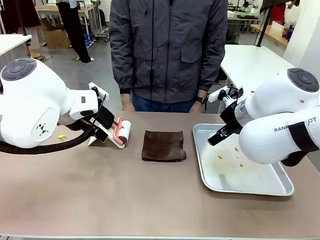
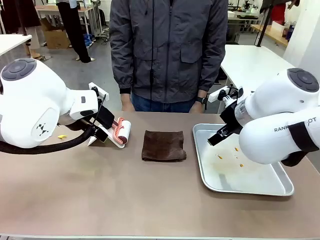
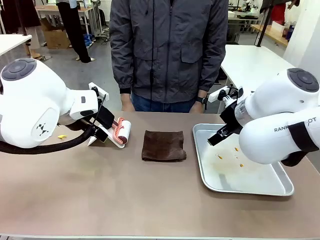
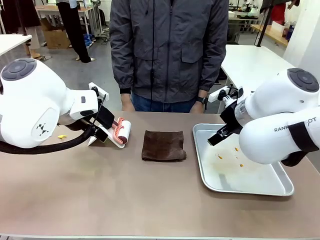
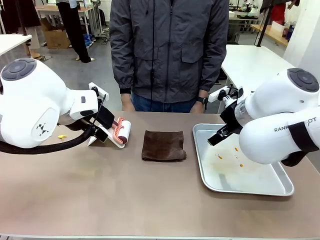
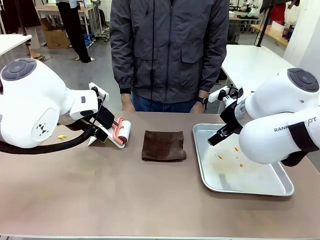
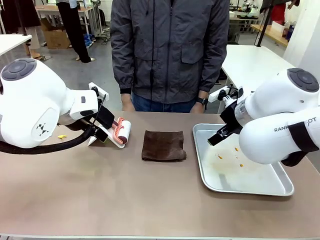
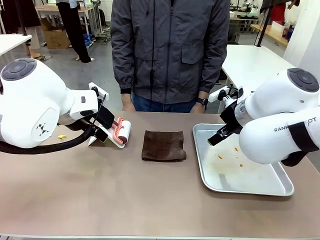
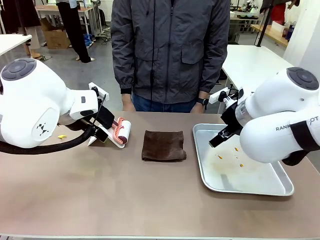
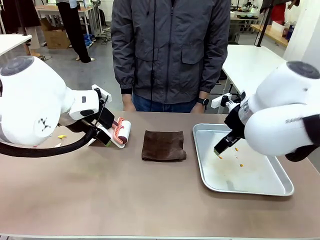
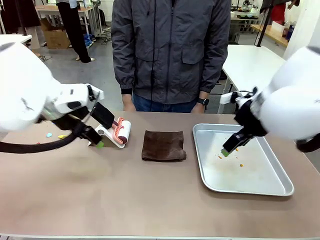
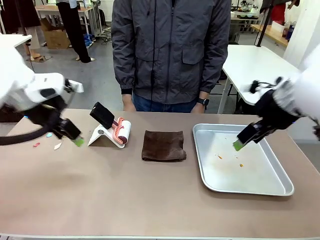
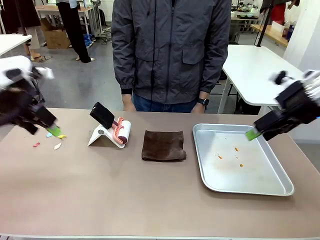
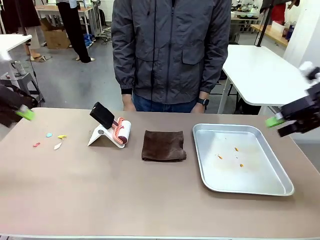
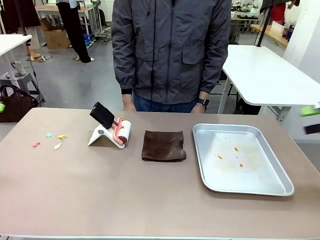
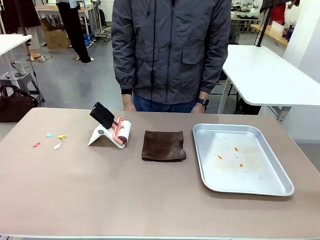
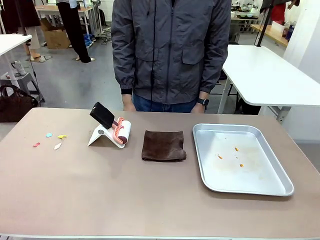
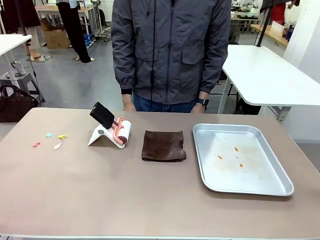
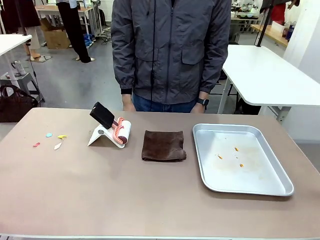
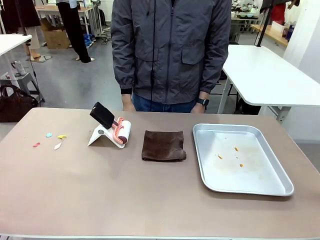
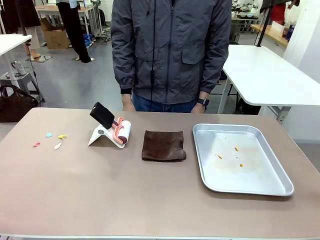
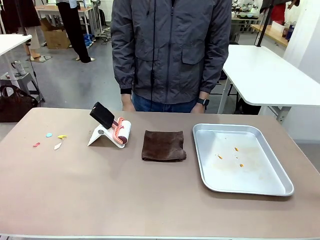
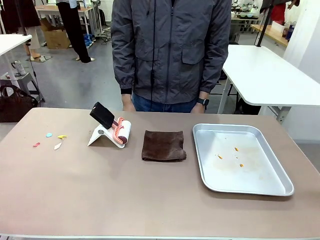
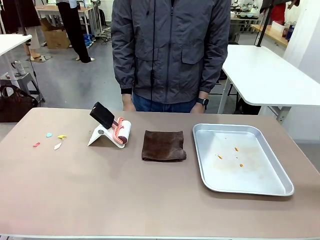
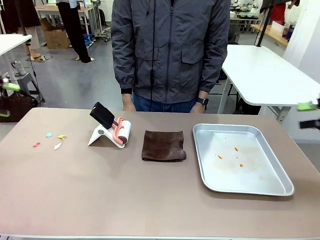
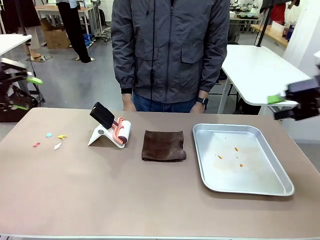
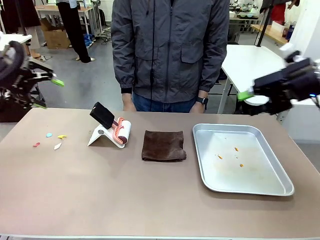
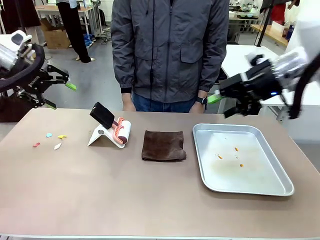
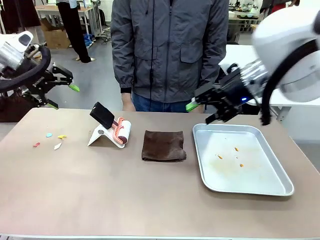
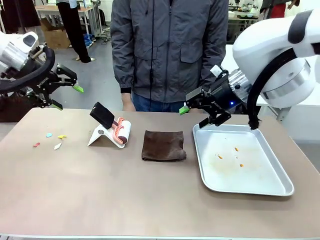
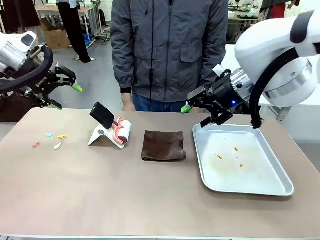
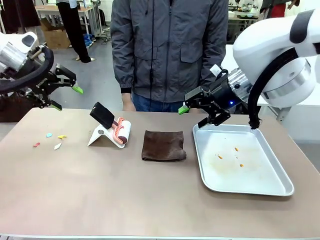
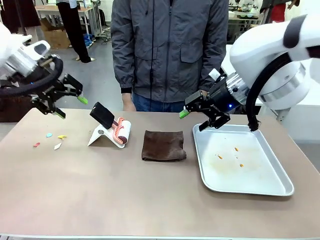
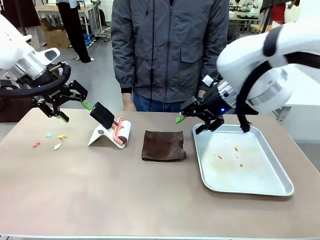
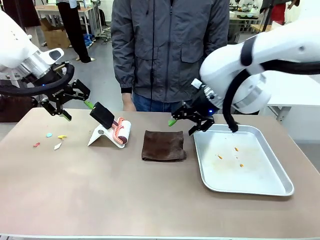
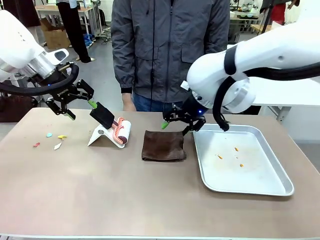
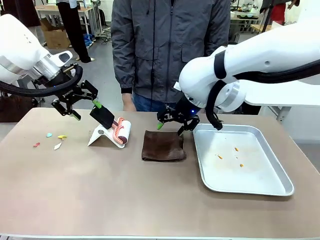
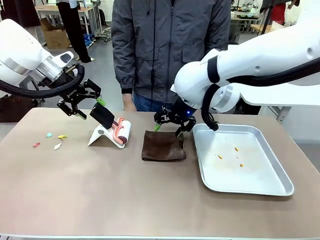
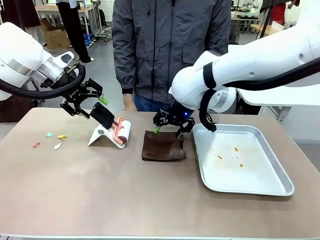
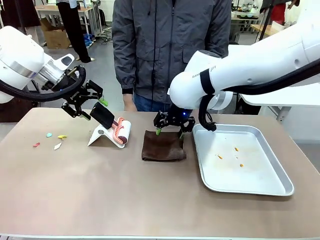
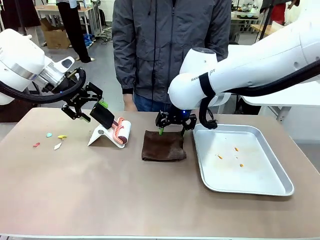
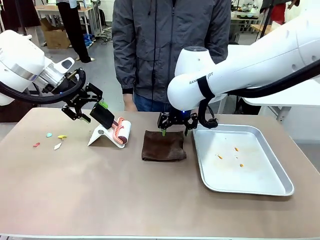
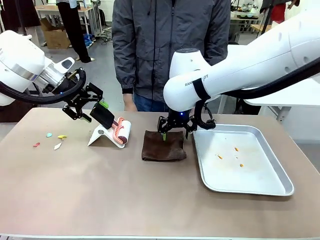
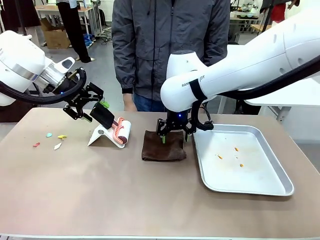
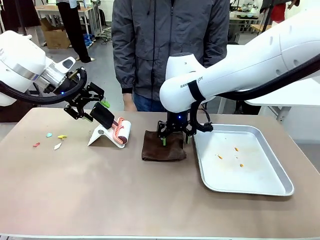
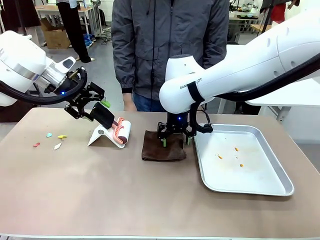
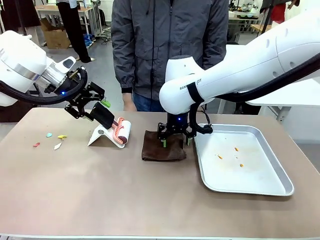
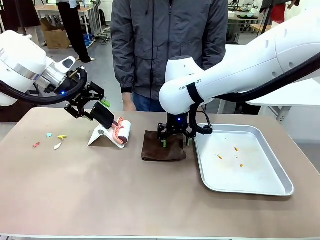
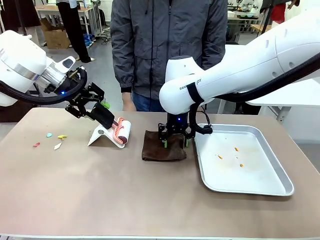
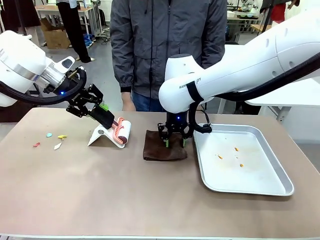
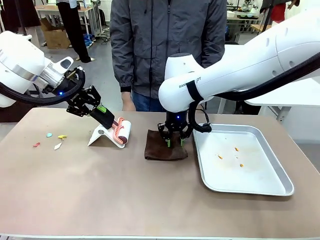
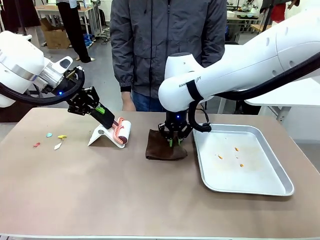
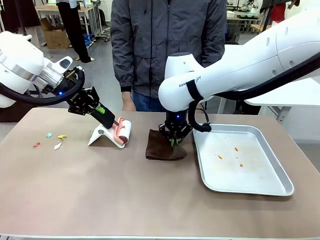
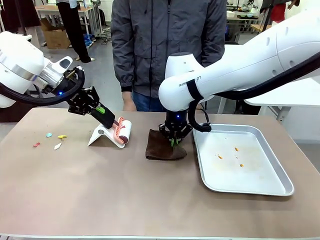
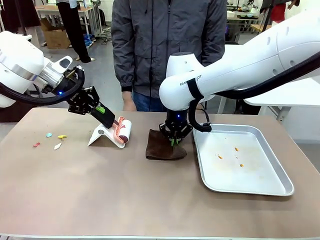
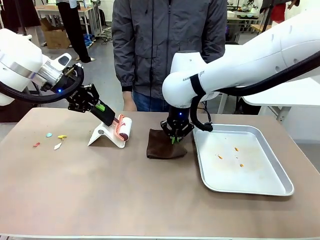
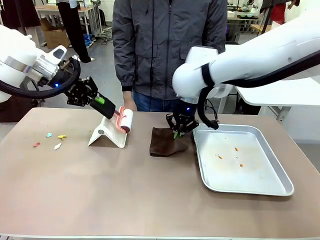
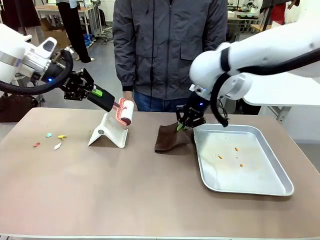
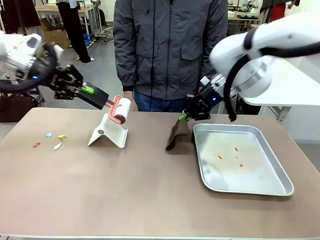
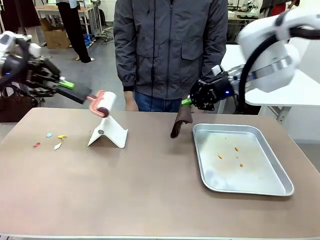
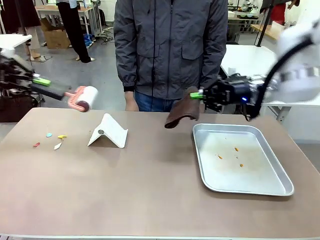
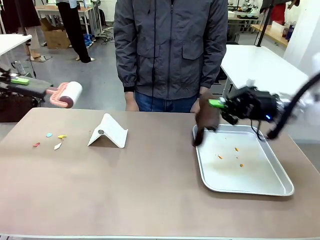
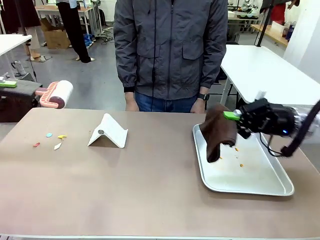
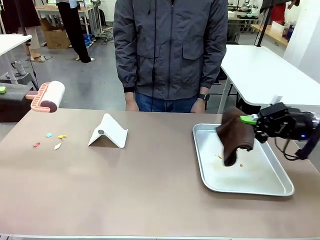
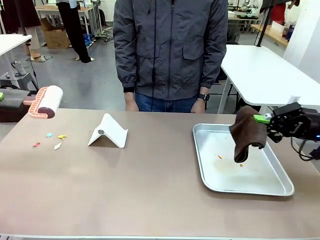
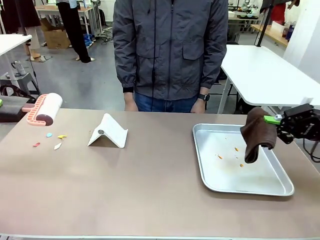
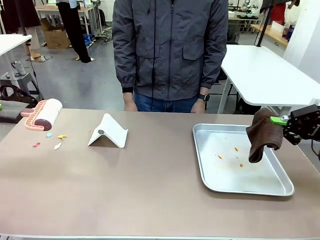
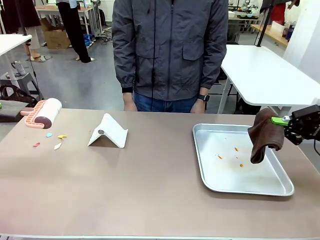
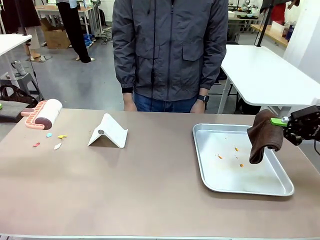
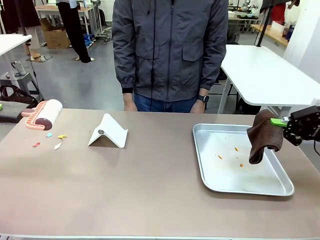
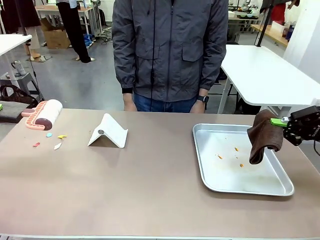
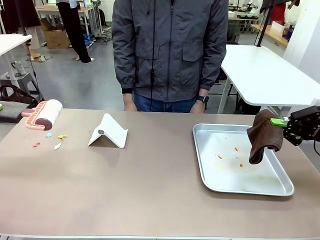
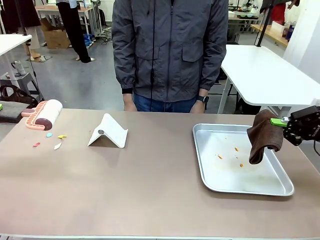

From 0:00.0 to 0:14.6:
Task: Clean the surface of the table.
Robot: Hold the Lint Roller with your left hand and the towel with your right hand.

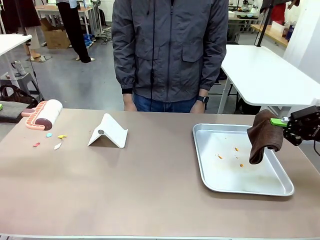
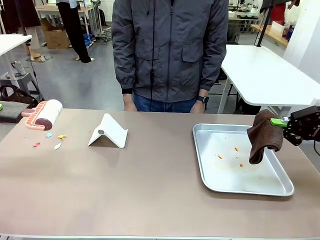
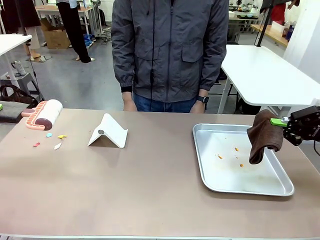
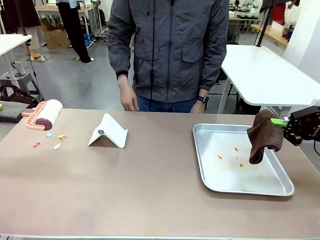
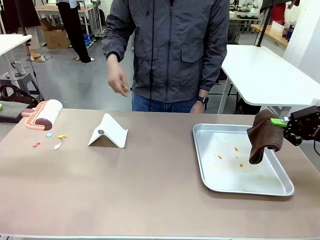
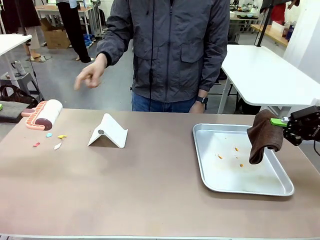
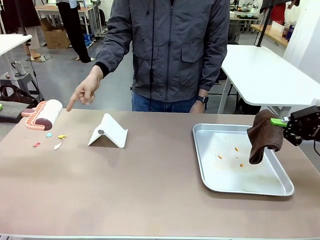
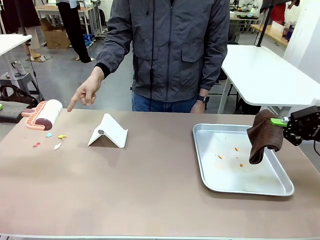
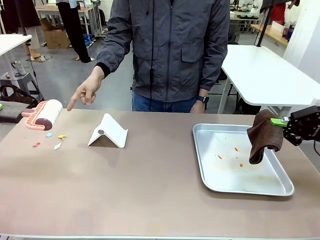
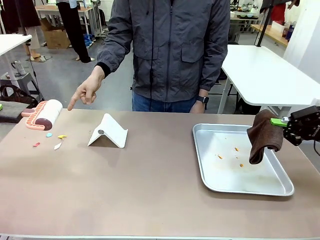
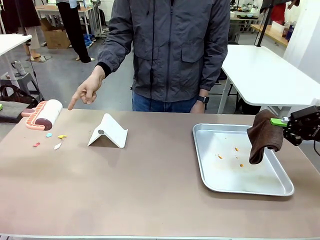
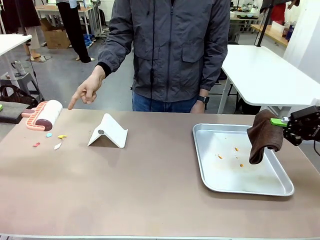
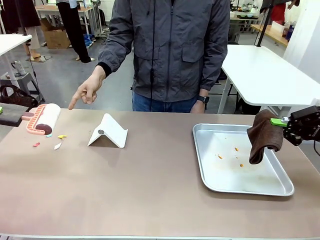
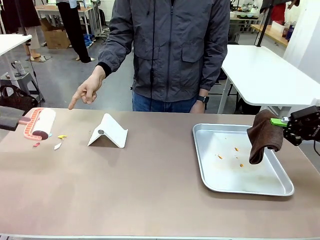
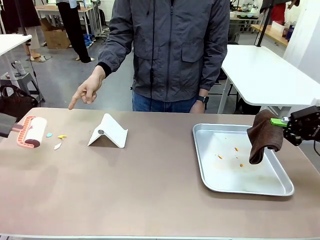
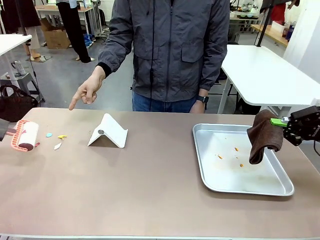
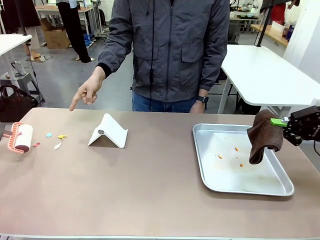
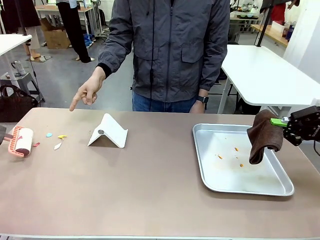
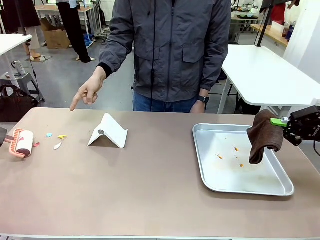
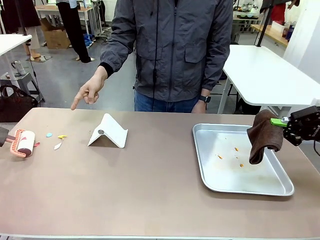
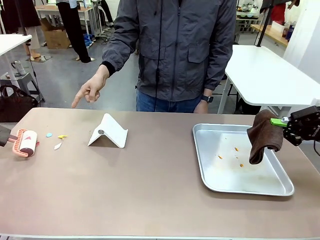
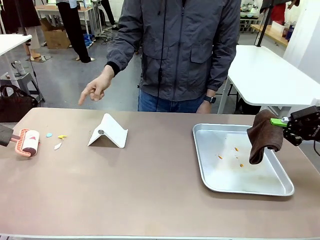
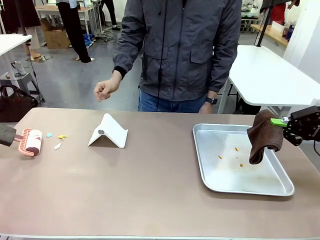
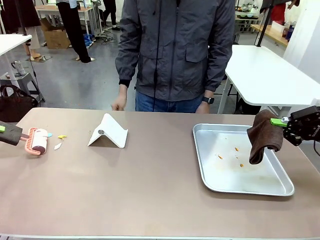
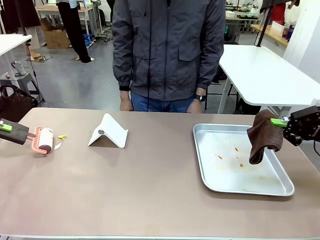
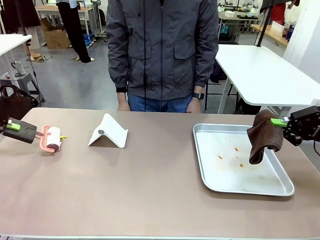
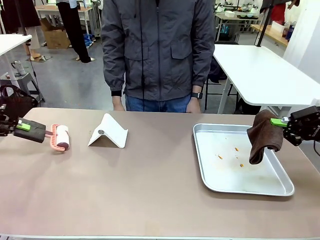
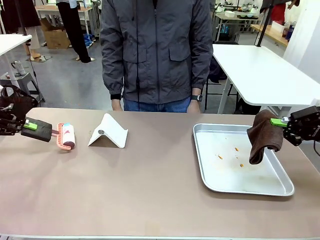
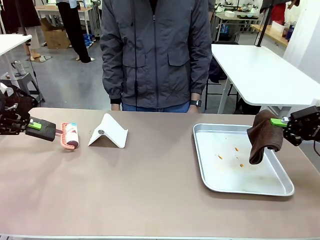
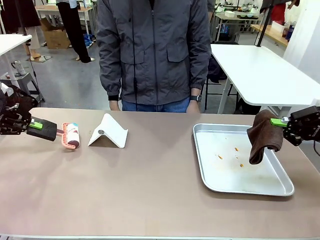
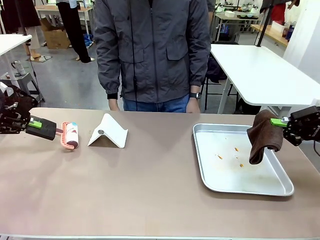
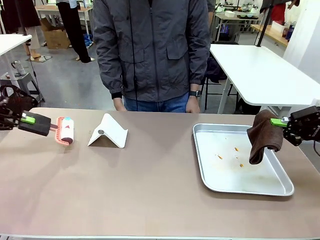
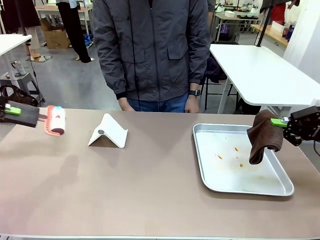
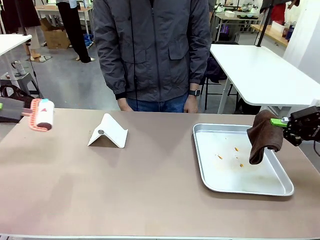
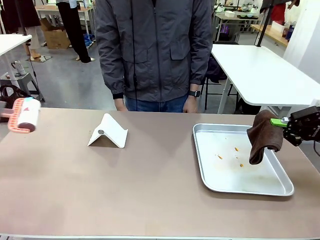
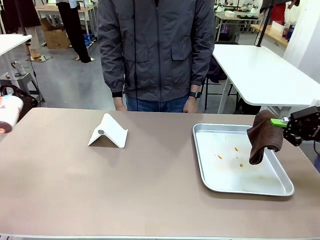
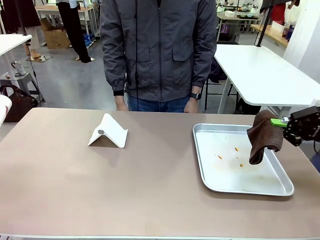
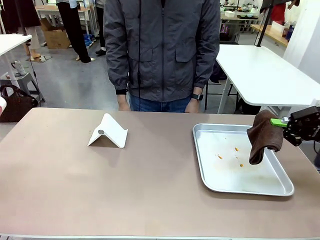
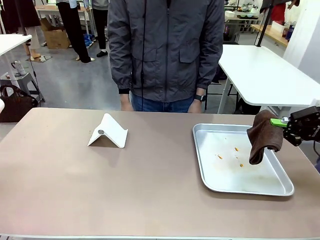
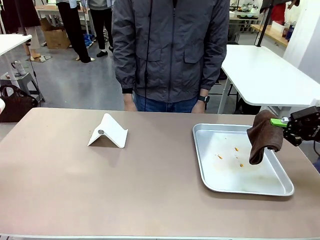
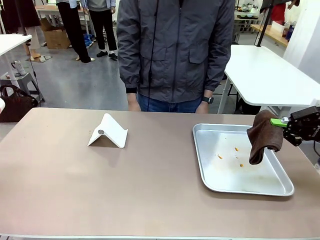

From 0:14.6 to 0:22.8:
Robot: If a person points to the right, clean the right side of the table with your right hand, and if they point to the left, clean the left side with your left hand.
